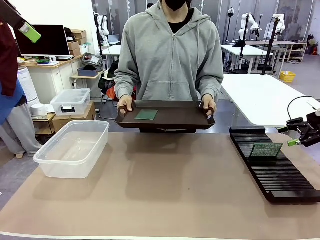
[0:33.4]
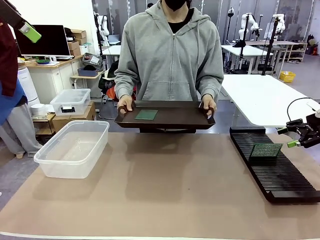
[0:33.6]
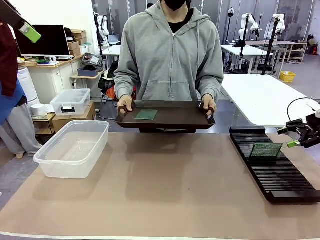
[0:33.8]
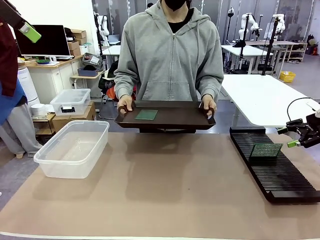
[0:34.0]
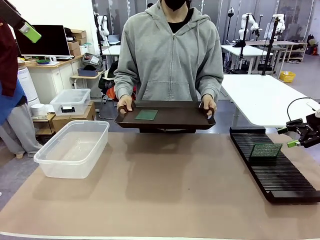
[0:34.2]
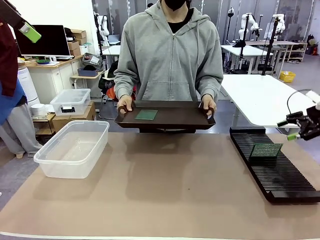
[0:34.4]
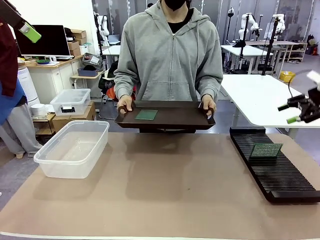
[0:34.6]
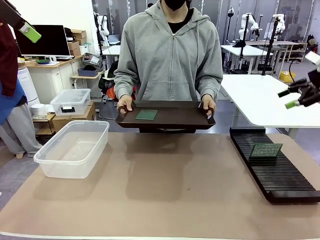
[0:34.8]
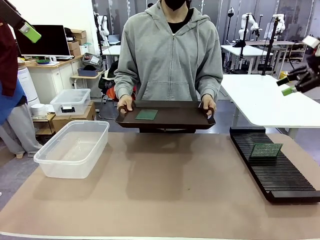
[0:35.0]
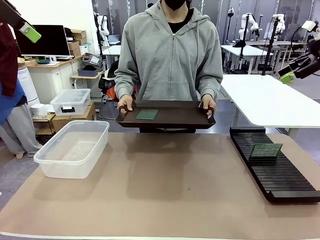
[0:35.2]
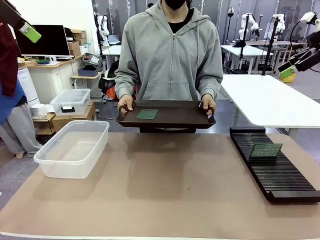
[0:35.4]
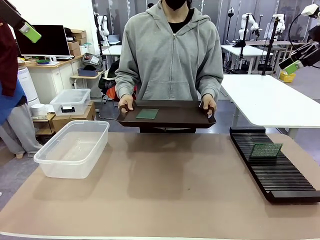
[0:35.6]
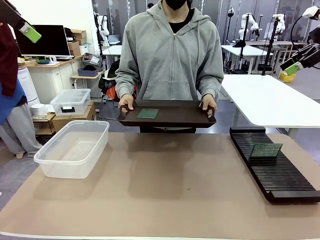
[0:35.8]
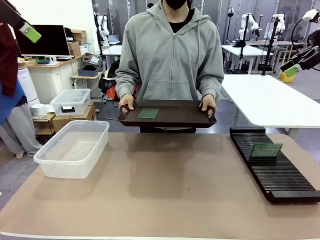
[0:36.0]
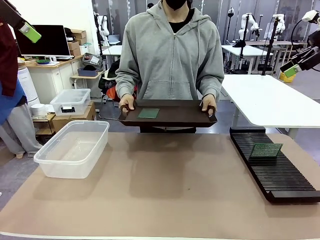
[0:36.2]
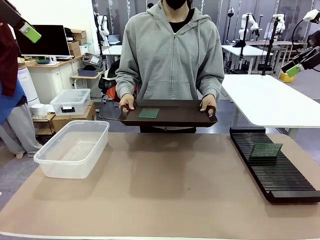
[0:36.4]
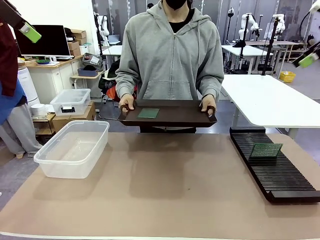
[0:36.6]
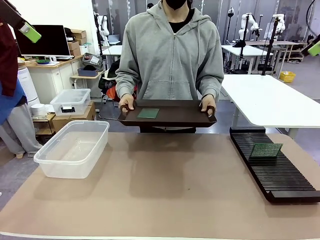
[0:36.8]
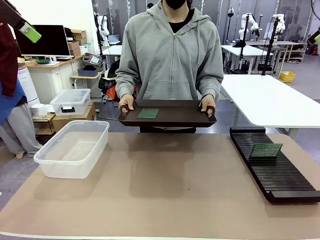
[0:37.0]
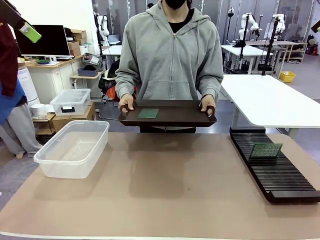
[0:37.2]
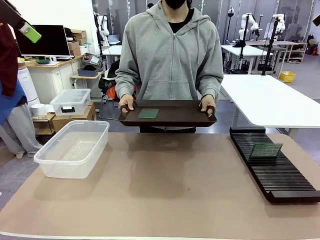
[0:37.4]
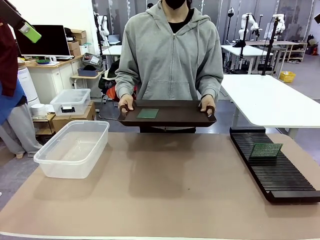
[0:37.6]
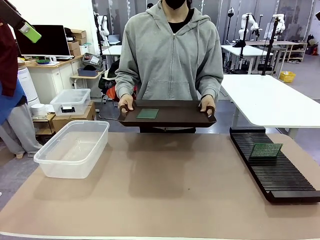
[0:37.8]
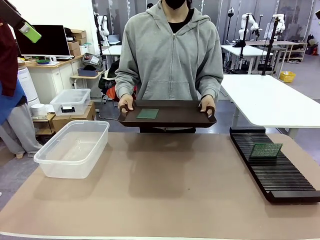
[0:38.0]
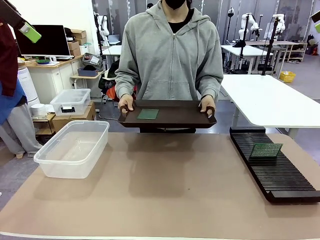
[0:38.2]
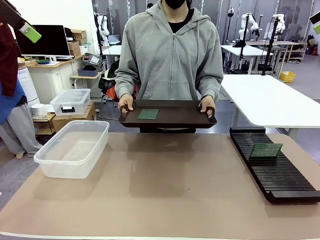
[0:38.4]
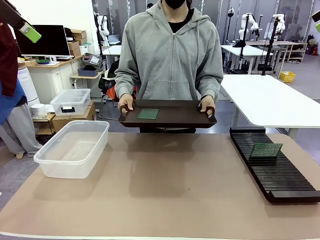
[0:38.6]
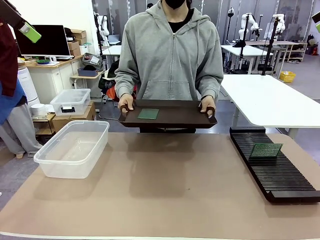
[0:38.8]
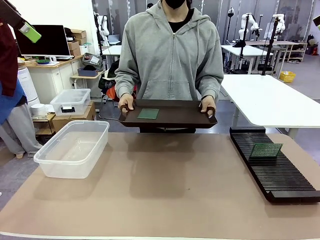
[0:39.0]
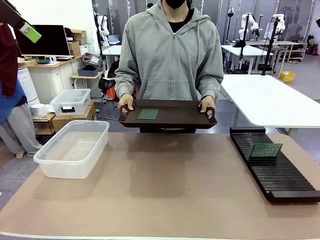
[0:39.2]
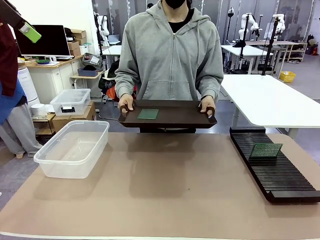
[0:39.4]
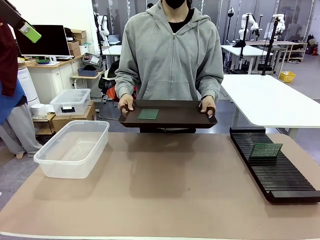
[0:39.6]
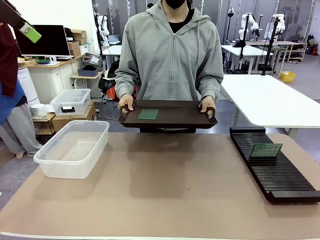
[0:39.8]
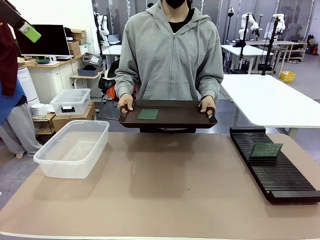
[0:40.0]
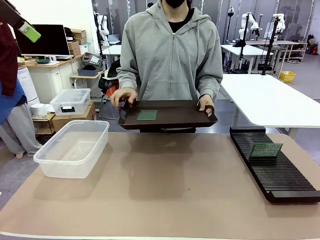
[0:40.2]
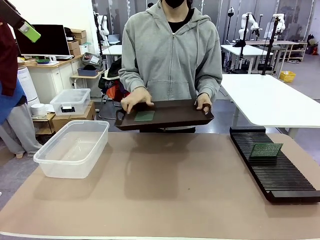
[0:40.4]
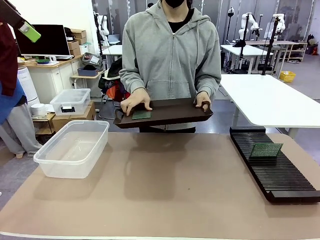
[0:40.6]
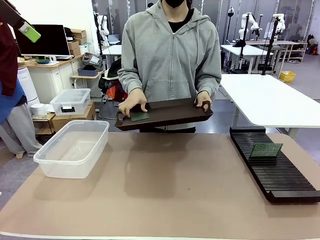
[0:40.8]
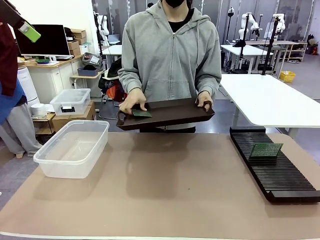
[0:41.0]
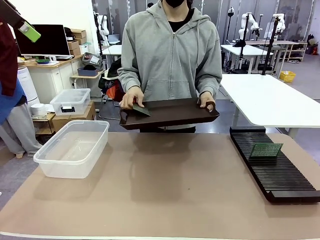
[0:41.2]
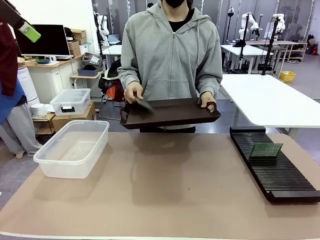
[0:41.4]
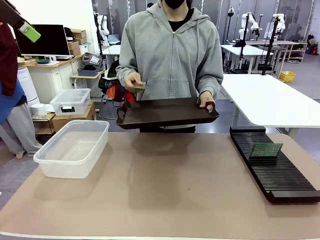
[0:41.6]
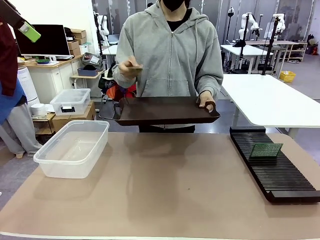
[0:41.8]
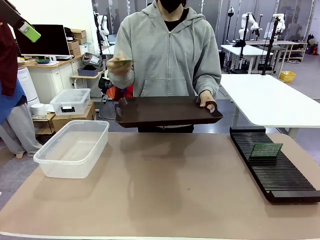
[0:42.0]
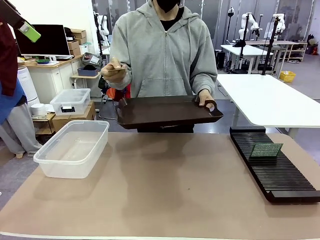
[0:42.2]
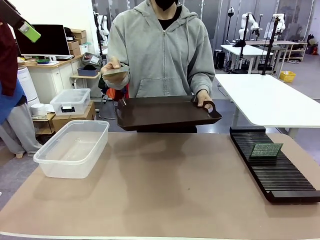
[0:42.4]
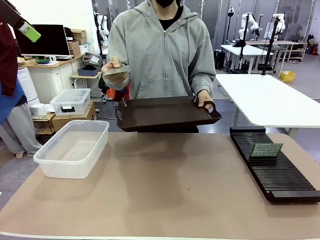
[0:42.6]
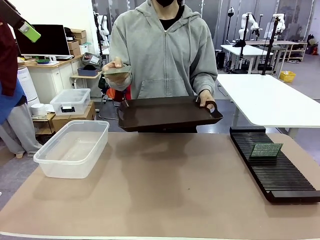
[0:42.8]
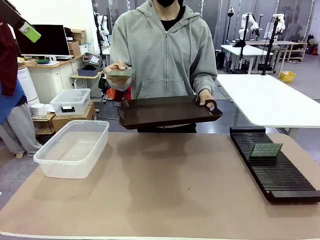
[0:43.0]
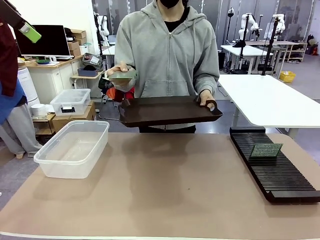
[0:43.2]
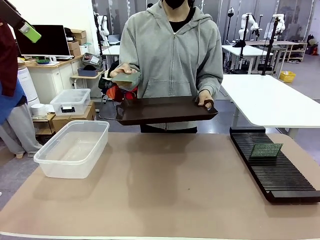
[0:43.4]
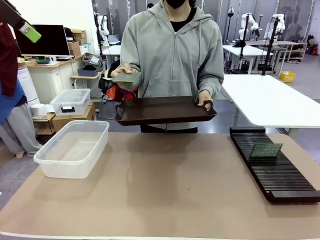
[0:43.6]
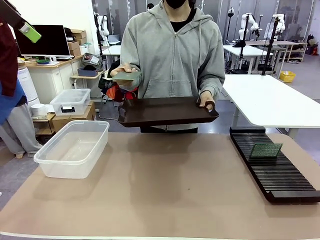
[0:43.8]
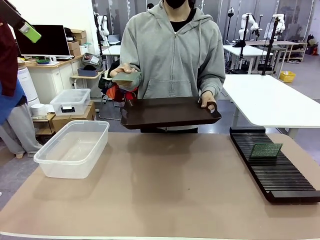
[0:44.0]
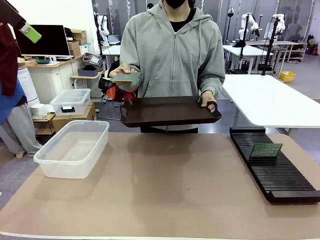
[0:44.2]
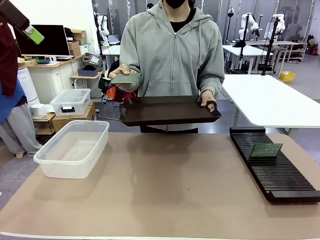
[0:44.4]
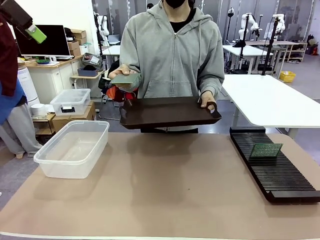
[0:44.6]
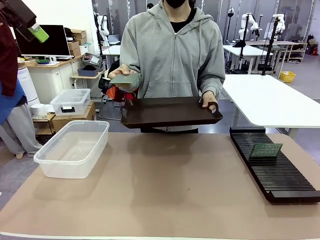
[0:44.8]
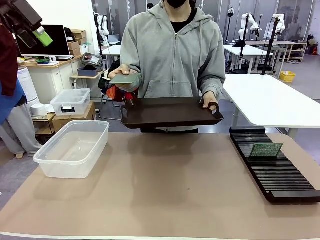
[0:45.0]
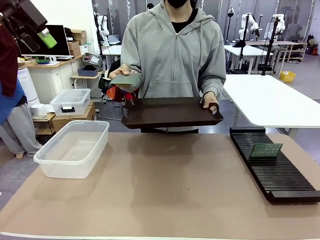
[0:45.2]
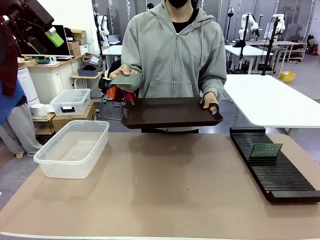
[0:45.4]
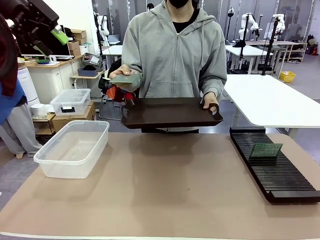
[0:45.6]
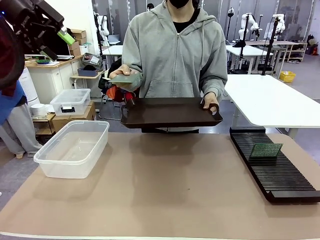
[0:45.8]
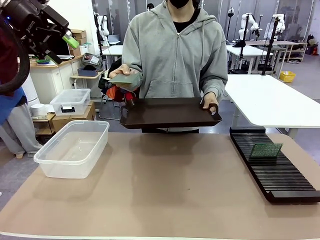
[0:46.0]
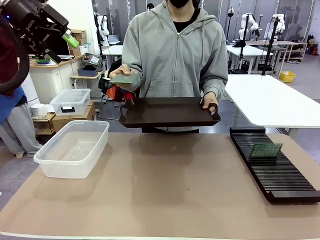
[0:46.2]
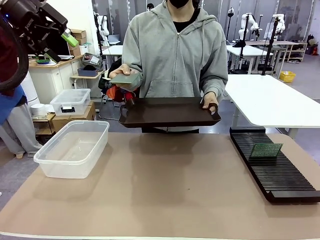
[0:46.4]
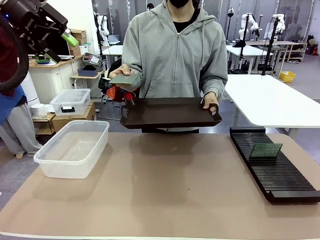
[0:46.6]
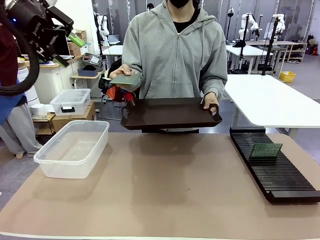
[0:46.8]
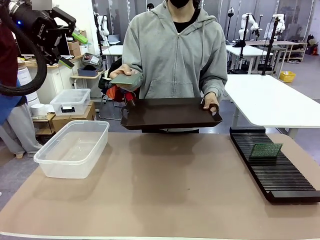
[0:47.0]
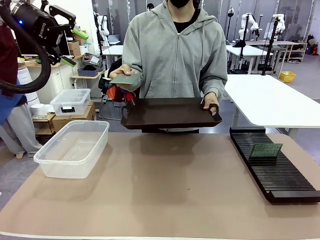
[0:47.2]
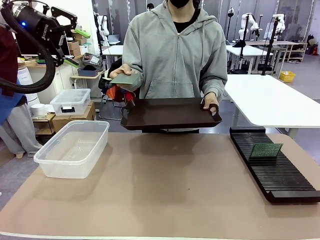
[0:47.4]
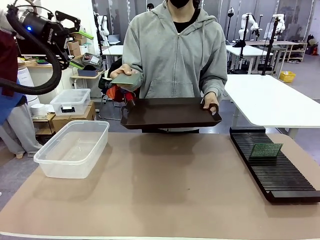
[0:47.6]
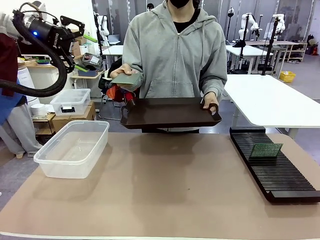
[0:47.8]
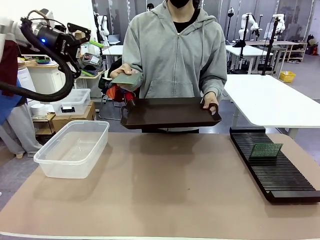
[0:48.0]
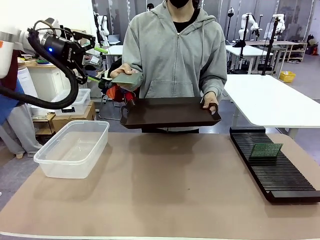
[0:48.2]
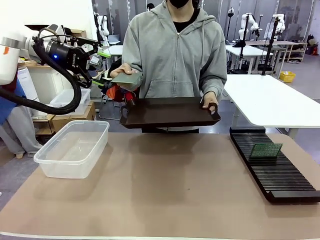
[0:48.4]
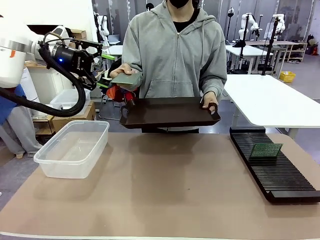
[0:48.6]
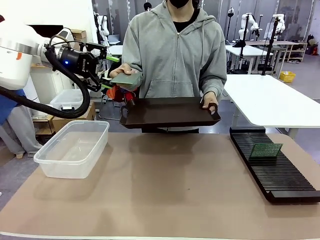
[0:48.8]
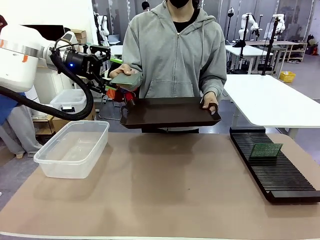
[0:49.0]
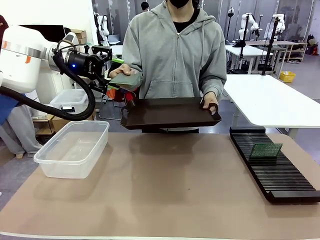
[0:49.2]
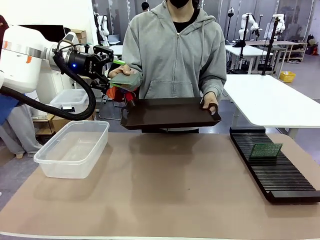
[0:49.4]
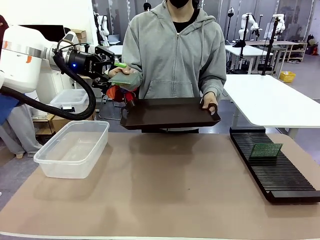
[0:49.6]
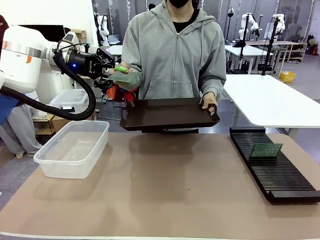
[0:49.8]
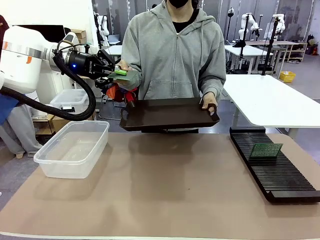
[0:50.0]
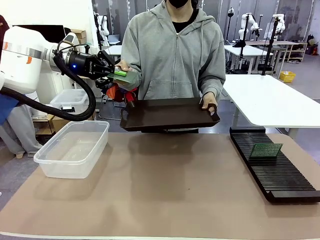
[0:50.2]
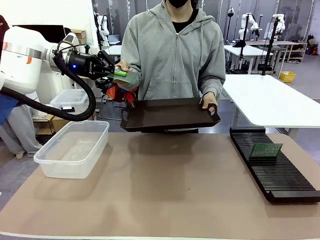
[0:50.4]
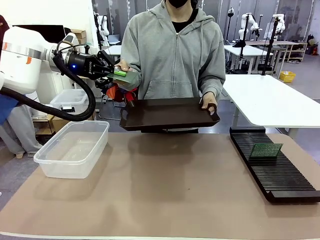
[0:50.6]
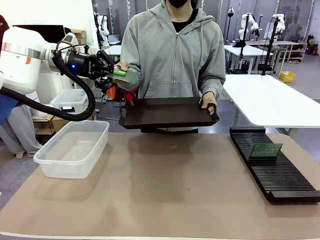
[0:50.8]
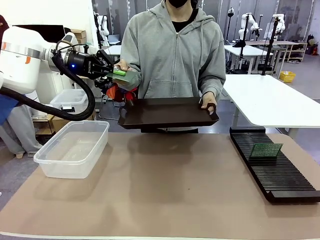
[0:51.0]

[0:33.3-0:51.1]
Task: Sort PCBs into racks and boxes based on the side picked up.
Robot: Pick up the Blank PCB handed by the Human.

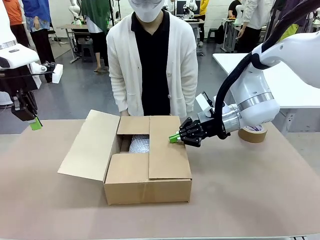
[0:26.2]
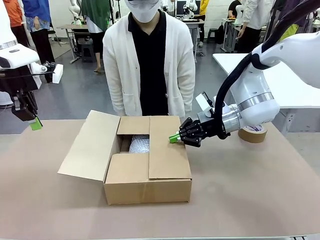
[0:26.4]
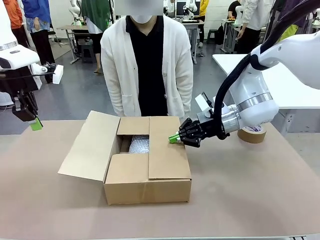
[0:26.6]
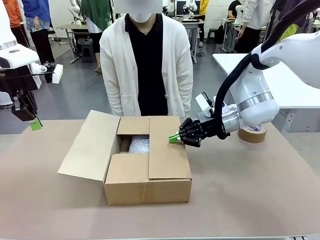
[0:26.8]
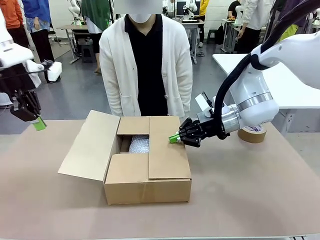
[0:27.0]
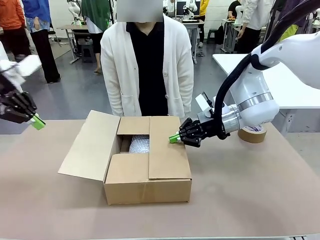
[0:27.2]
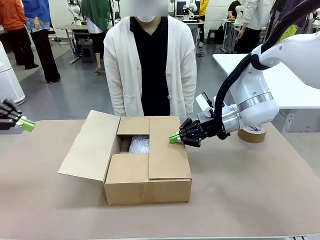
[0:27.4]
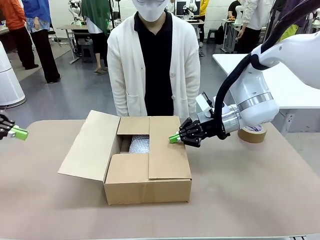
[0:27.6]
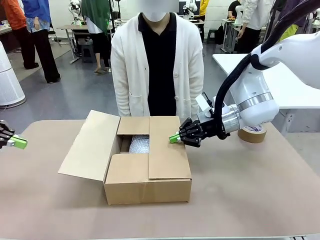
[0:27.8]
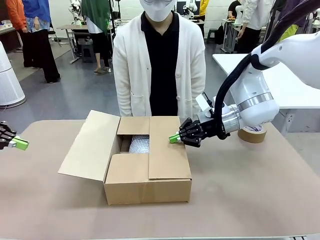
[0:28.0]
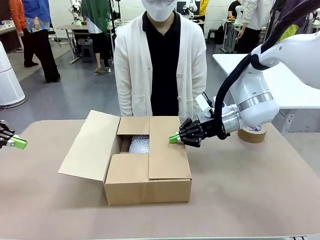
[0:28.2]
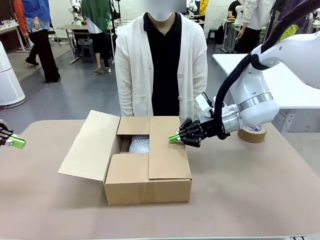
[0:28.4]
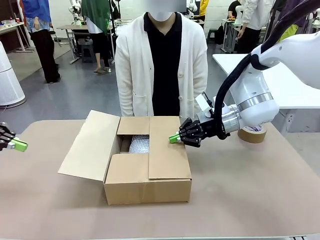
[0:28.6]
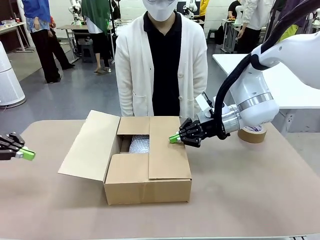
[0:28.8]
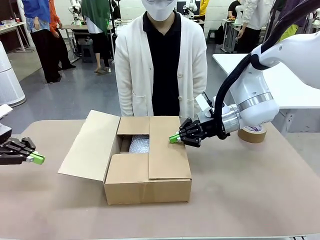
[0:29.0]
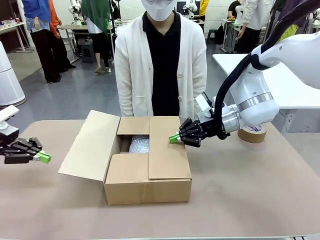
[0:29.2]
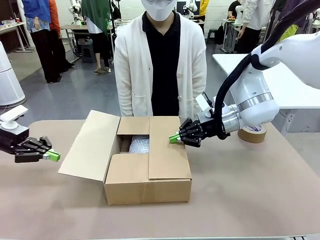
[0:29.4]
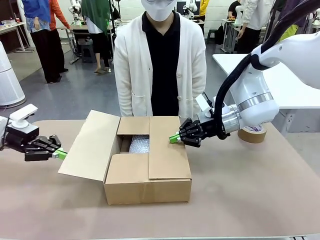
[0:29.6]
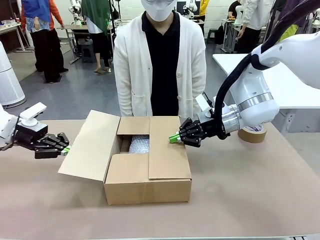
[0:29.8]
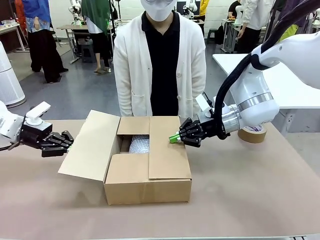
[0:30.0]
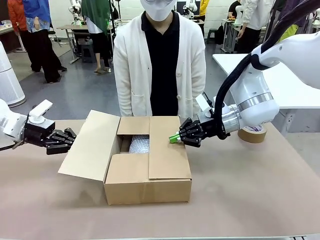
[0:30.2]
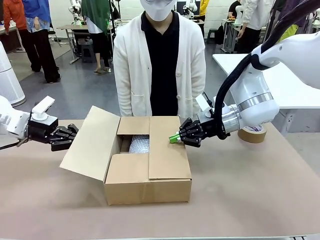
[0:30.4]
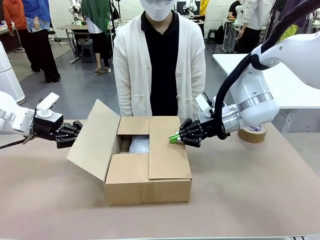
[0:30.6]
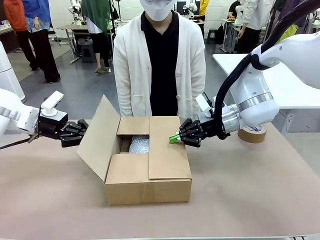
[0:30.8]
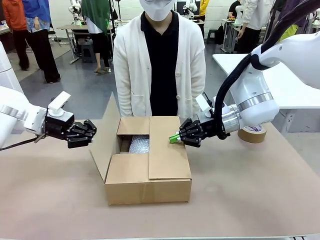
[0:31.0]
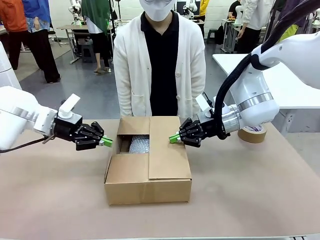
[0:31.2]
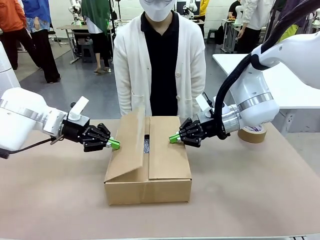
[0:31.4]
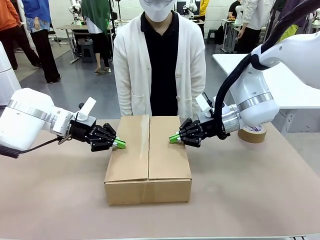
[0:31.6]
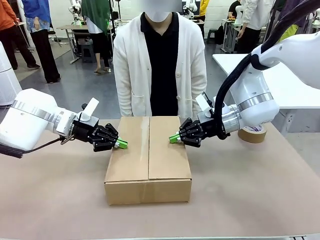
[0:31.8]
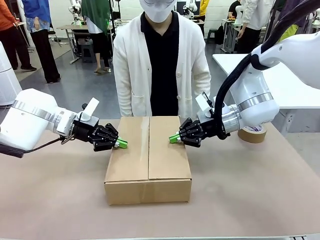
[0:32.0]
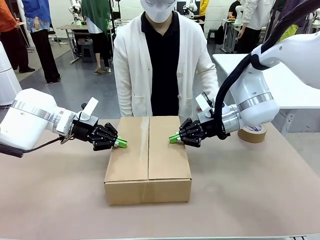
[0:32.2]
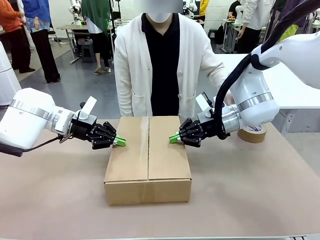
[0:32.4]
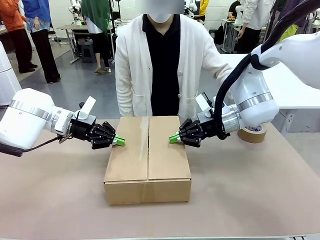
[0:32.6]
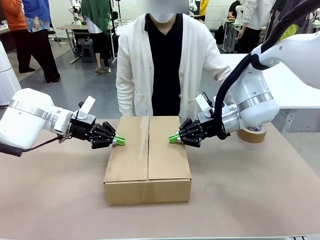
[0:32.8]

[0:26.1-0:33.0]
Task: Wrap the clocks to prevent damage.
Robot: Push the left (or right) flap of the Package Box to close it.
